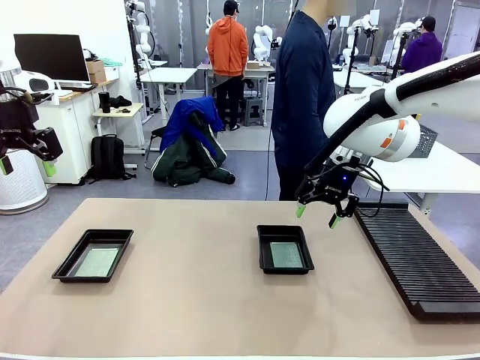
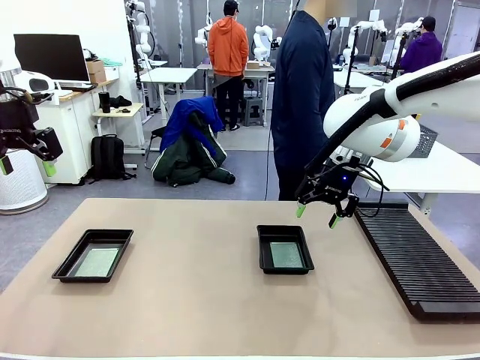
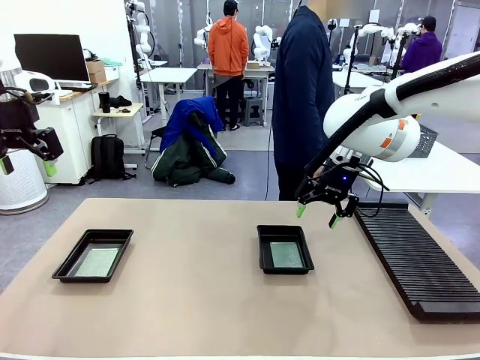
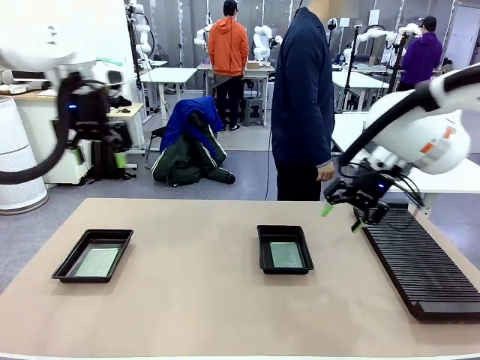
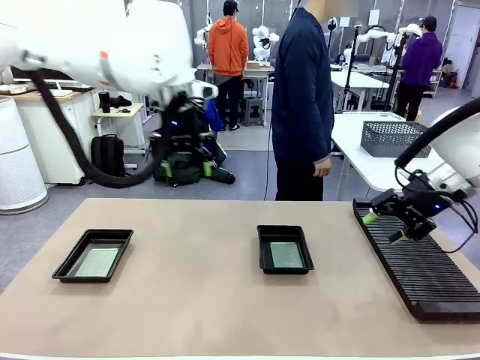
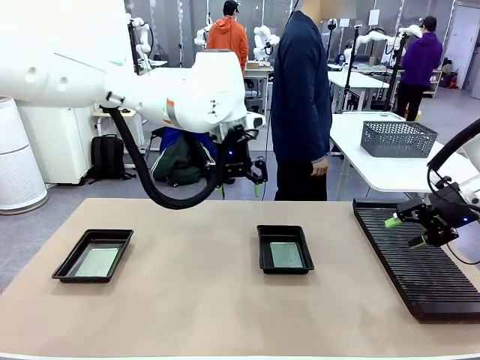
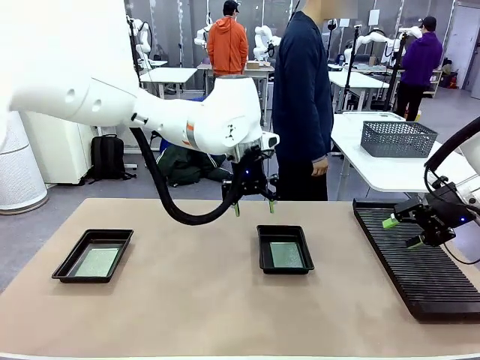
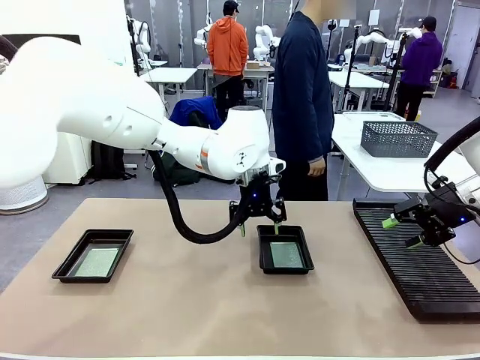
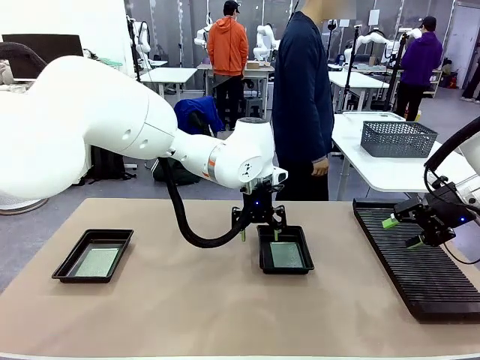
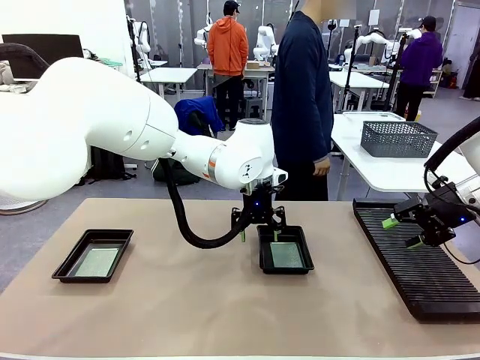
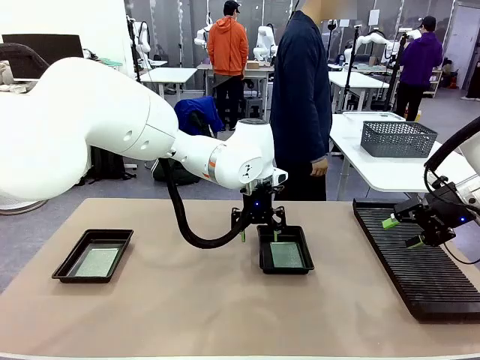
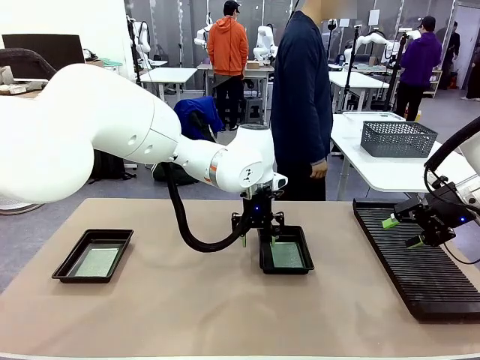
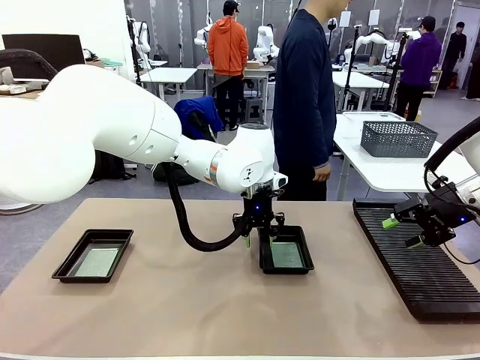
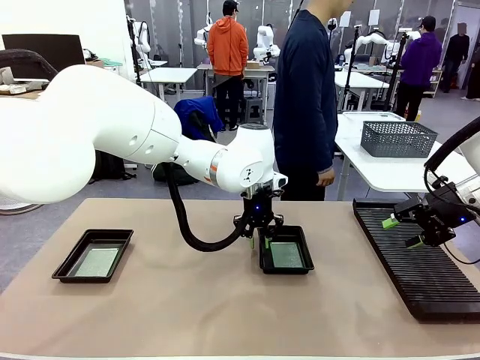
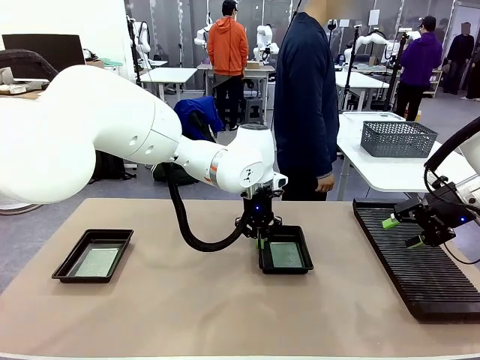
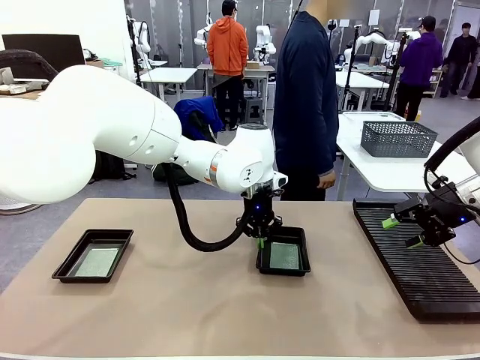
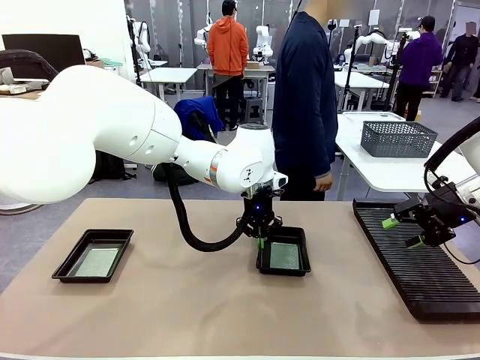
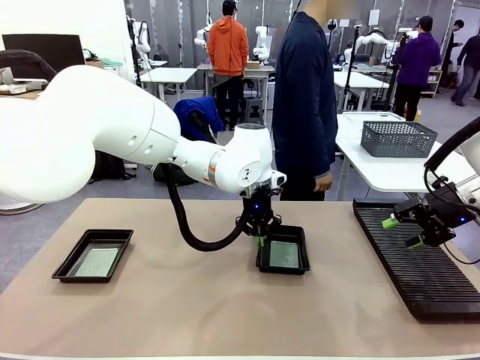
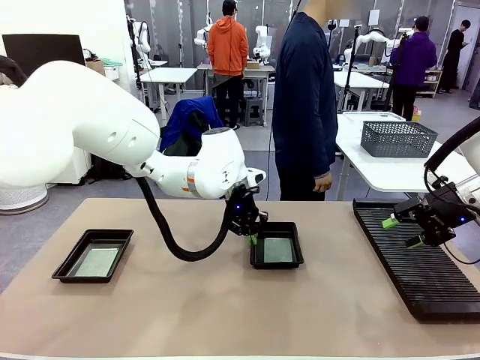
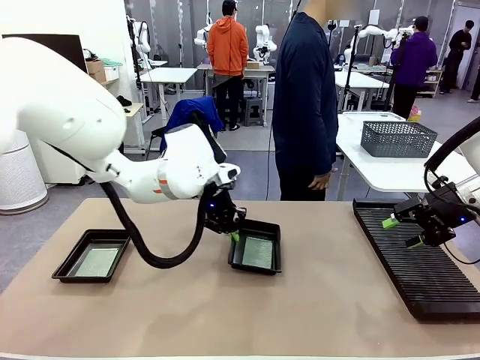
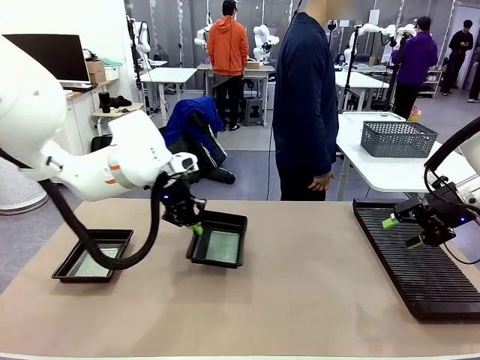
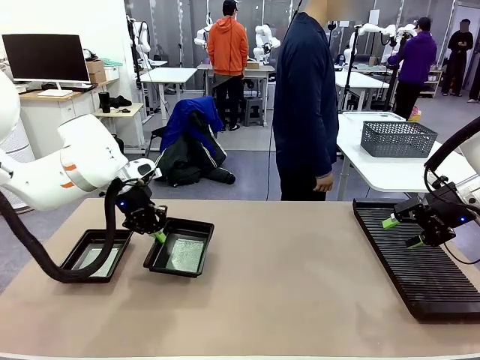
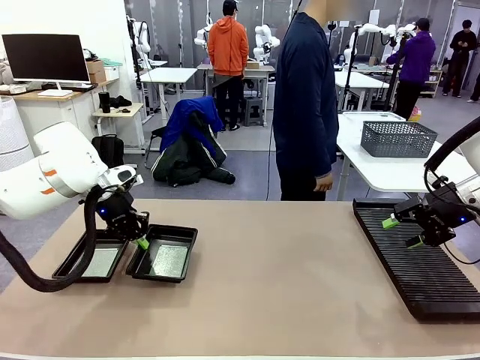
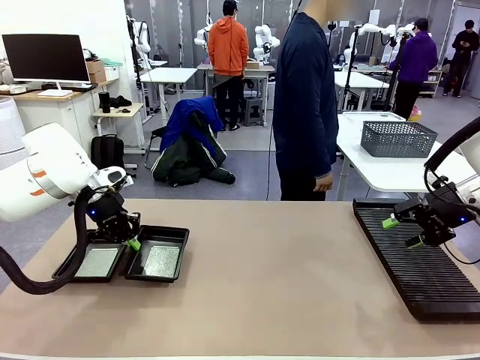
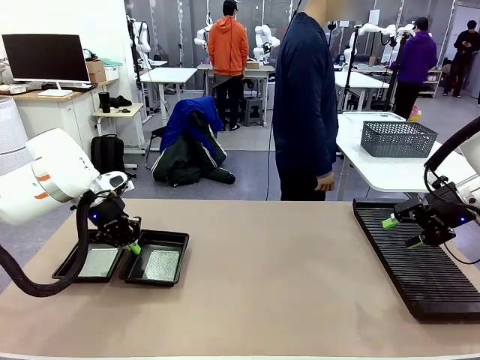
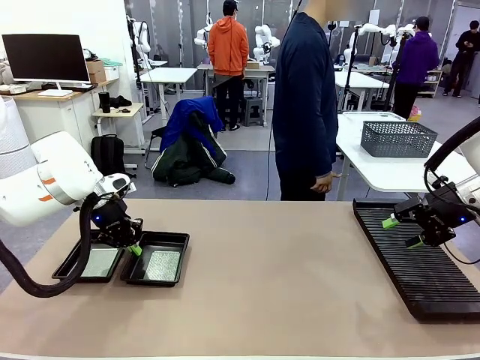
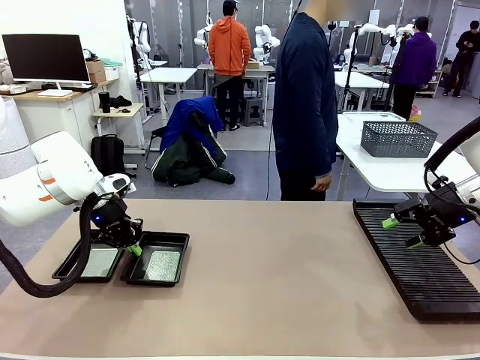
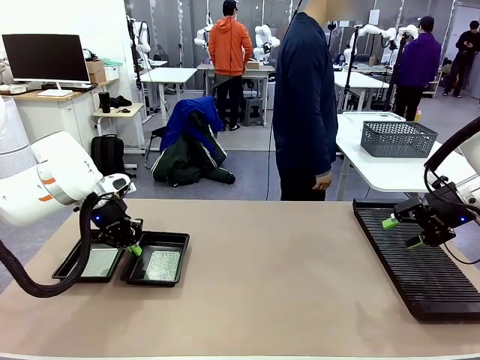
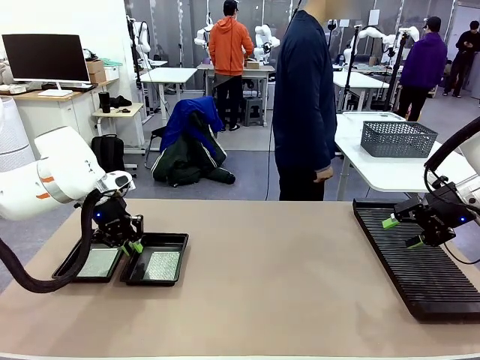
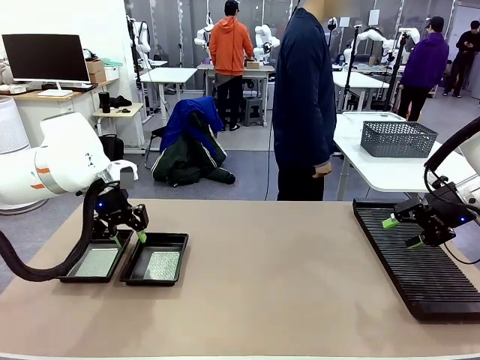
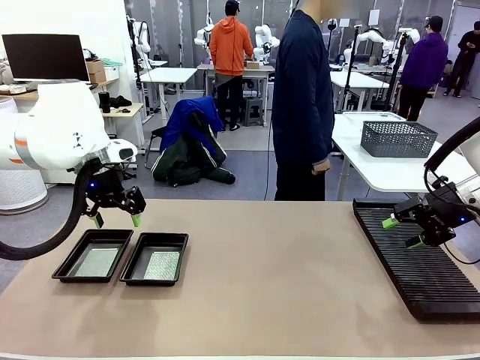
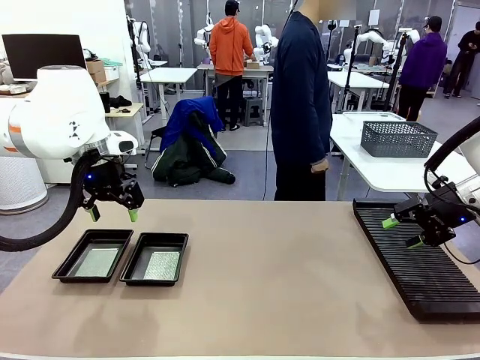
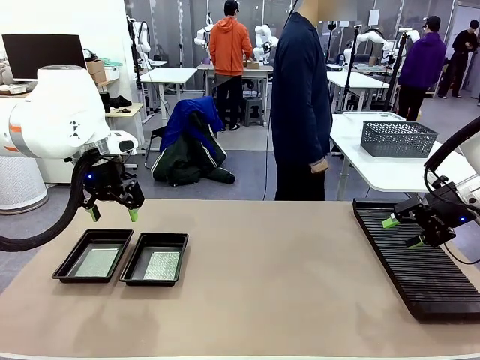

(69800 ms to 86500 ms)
Task: Inspect and transfer BCBs to ESD trays.
Robot: Pick up the ESD tray and place it on the left side of the table.

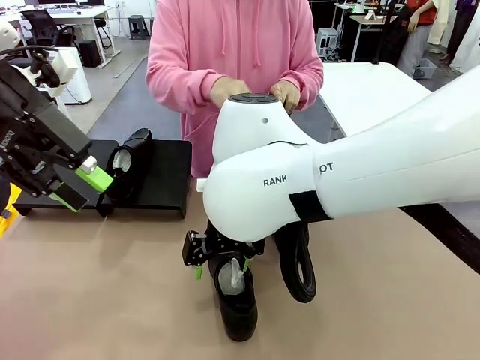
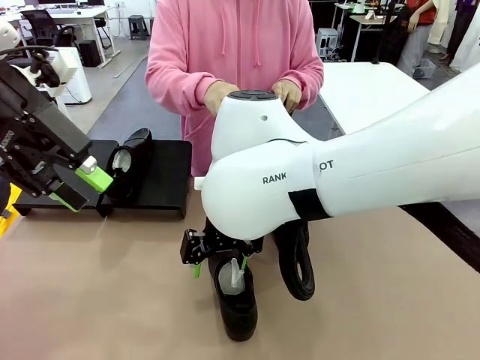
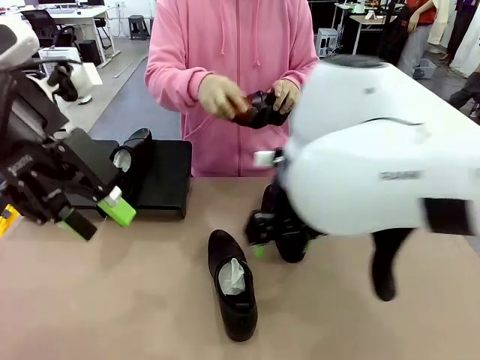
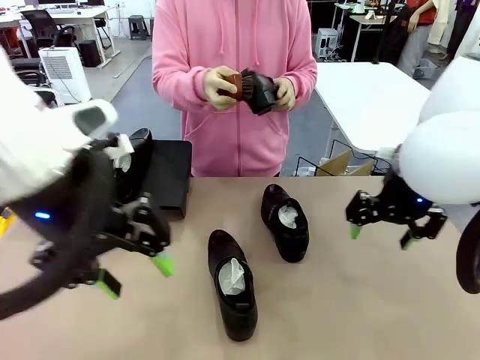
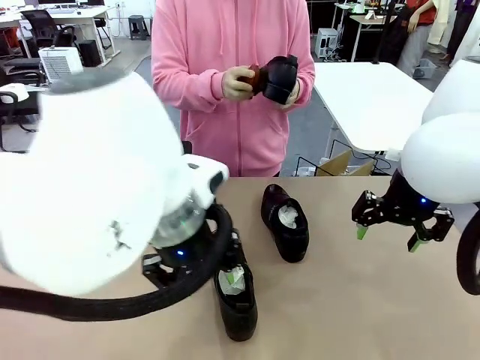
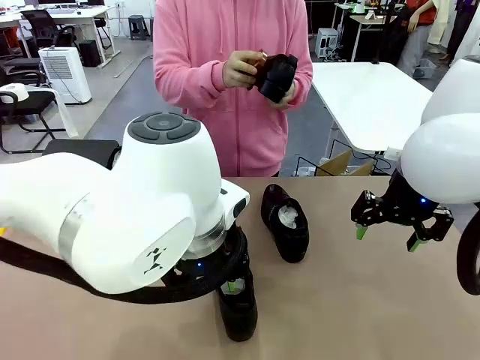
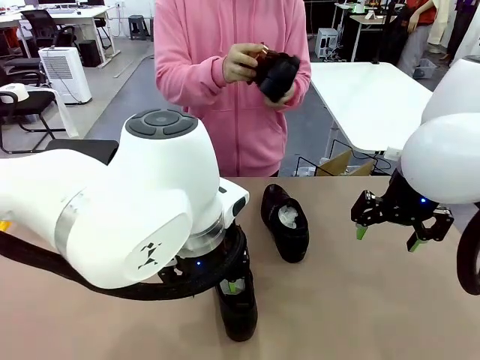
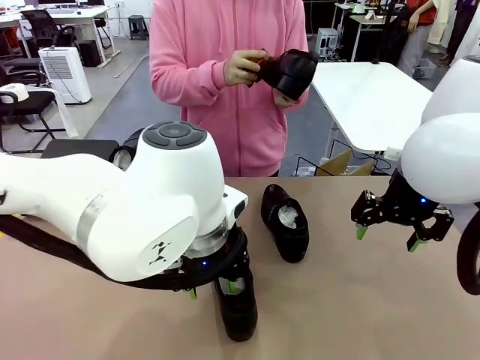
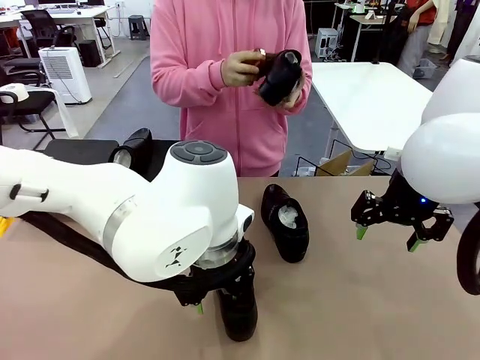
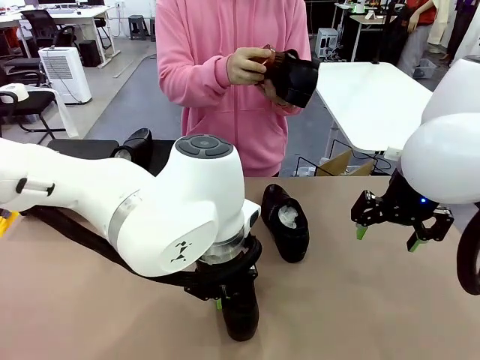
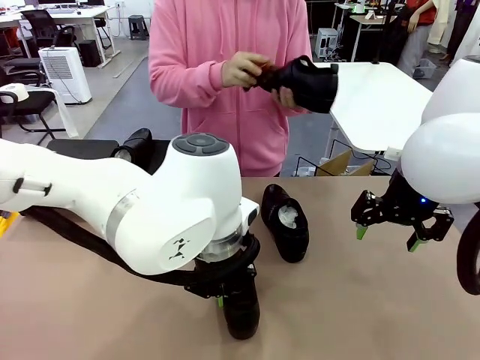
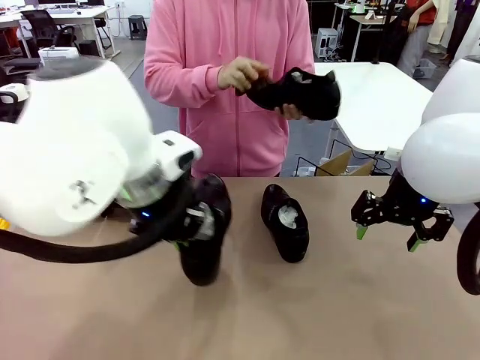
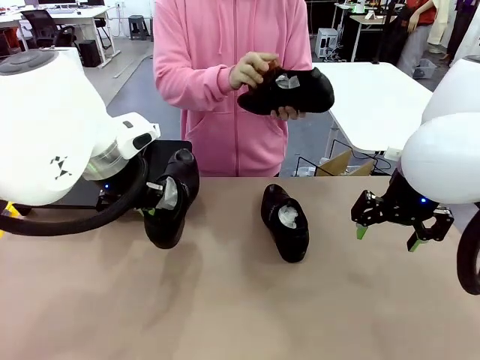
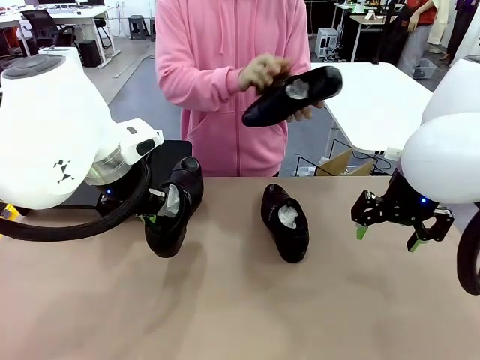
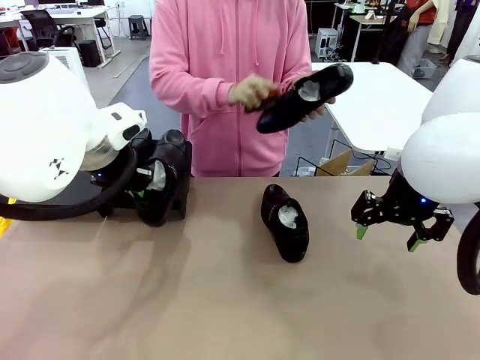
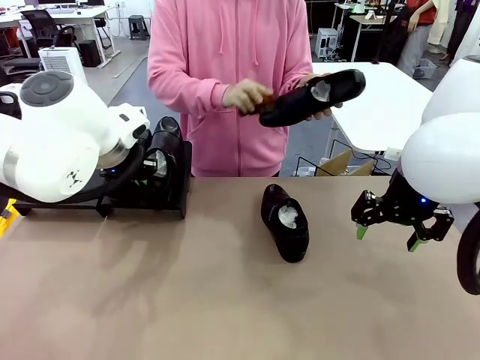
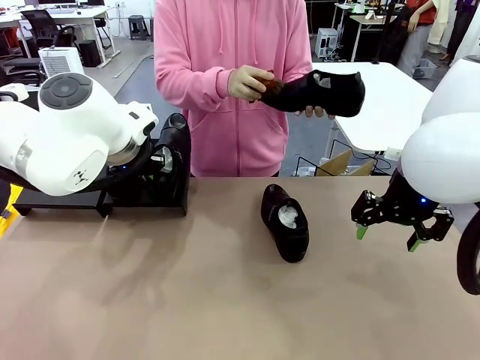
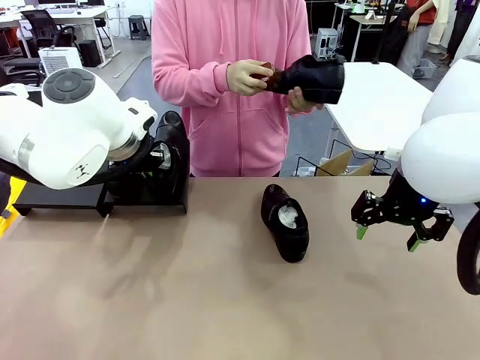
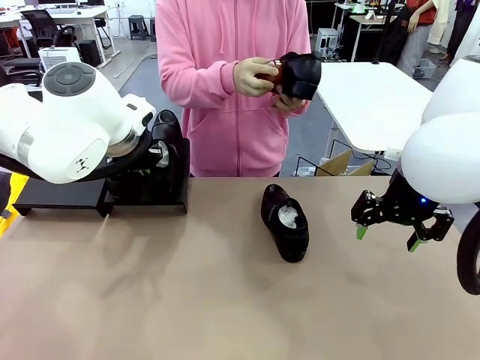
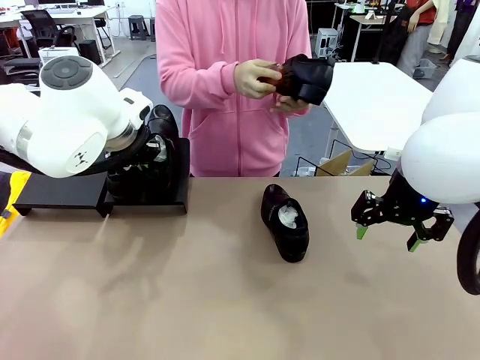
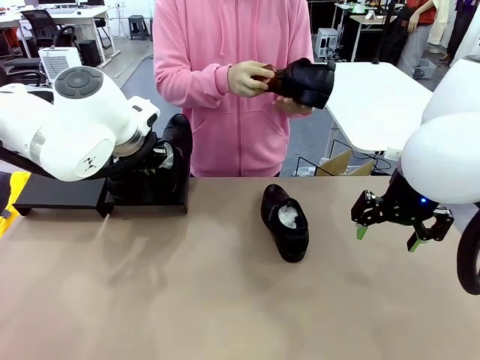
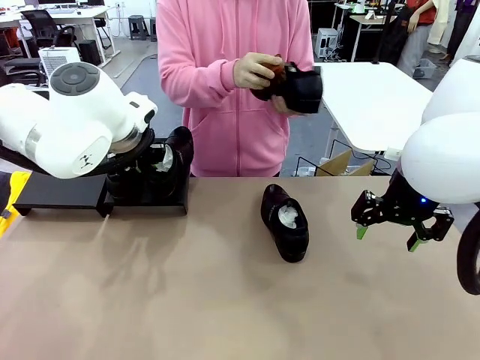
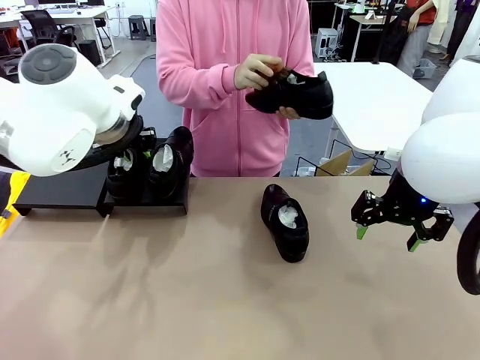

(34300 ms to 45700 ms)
Task: Organize the shoes by placing them on the stand.
Robot: Place the Shoe from the middle of the table onto the Shoes Stand.
Person: Clean the Shoe with the Shoe Brush.
